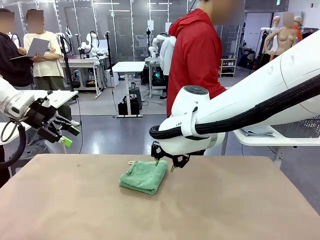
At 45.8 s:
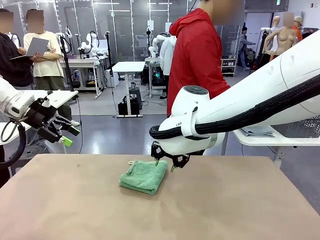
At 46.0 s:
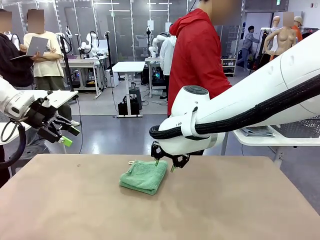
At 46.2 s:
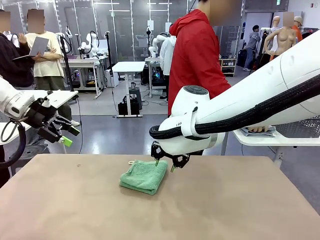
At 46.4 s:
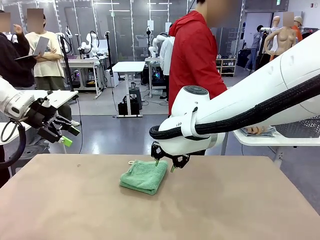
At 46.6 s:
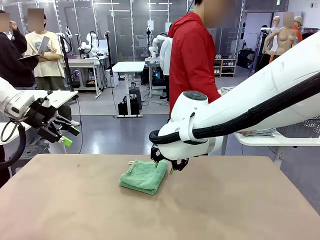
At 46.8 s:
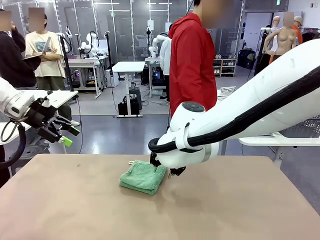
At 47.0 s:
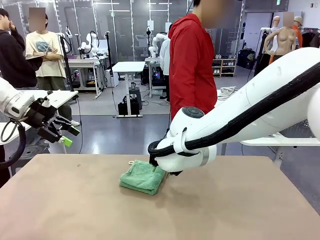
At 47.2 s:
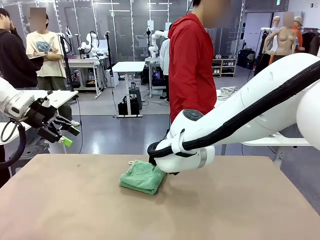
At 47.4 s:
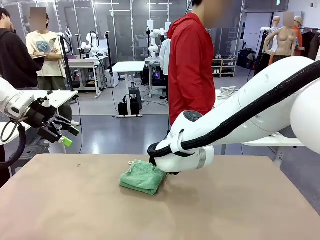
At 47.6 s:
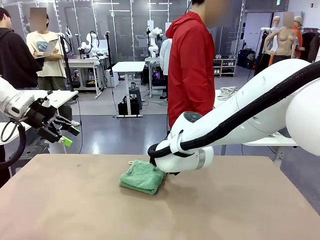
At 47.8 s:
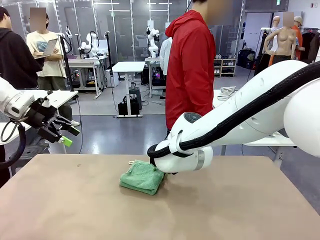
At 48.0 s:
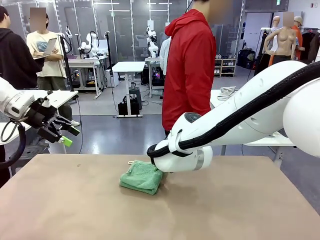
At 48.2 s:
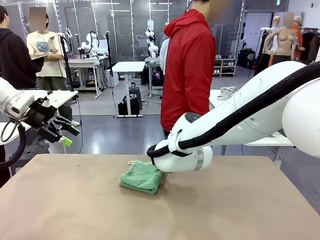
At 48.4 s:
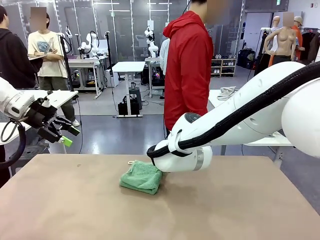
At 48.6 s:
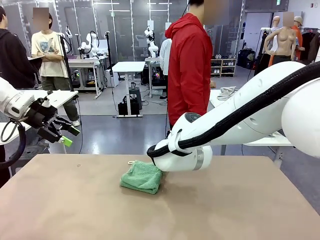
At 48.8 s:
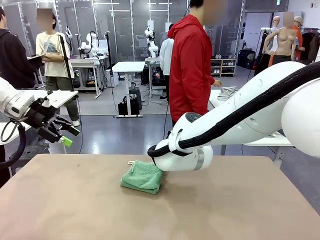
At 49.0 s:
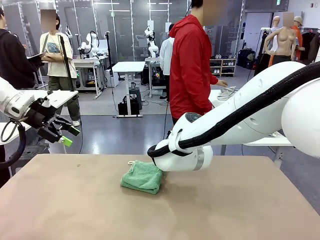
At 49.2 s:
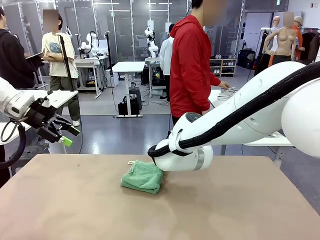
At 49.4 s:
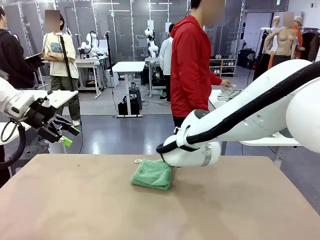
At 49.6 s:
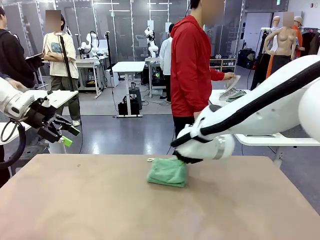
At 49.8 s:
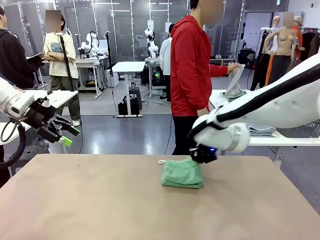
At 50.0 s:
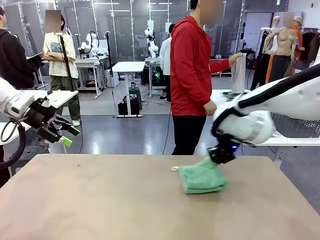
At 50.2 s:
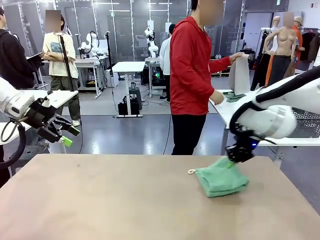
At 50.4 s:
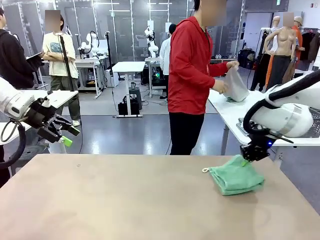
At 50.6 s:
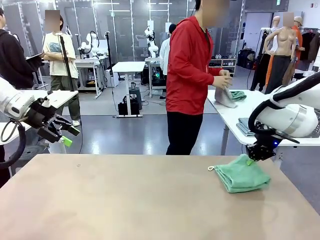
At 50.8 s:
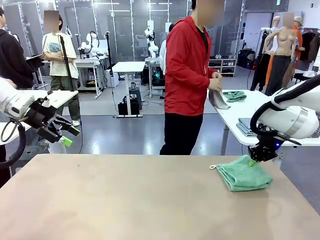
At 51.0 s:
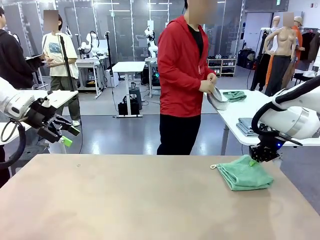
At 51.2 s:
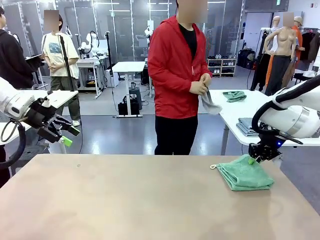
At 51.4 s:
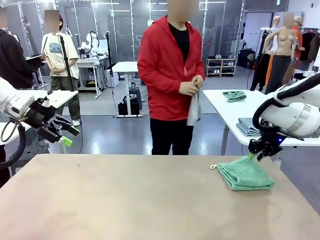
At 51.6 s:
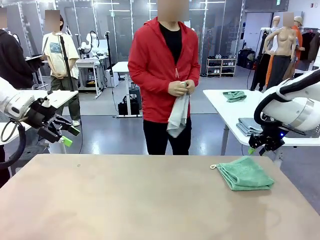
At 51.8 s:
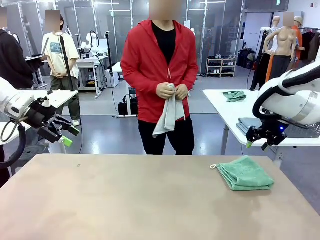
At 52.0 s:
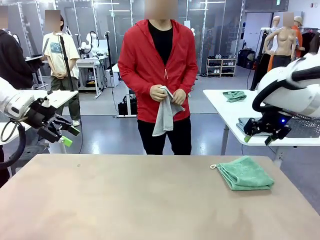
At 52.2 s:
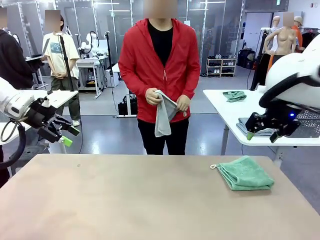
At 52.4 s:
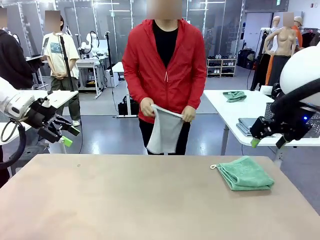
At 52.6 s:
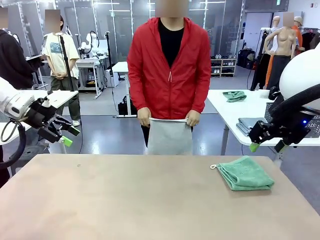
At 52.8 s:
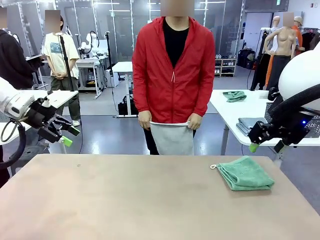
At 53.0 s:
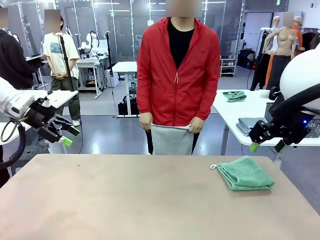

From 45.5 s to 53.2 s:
Task: Fold the towels and place them in the basket.
Robot: Place the folded Towel with hook on the right side of the table.
Person: Pick up one towel from the left side of the human table and spread it out at the center of the robot table.

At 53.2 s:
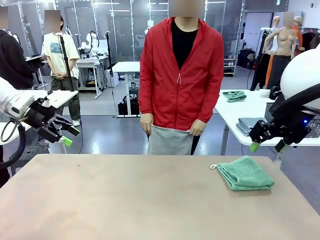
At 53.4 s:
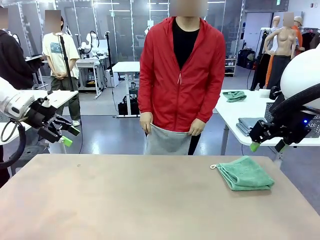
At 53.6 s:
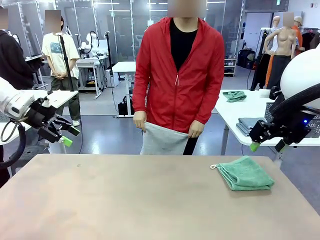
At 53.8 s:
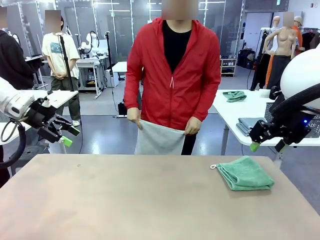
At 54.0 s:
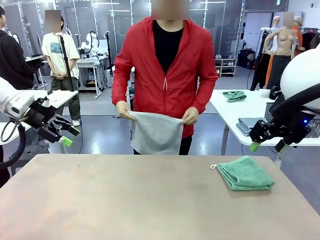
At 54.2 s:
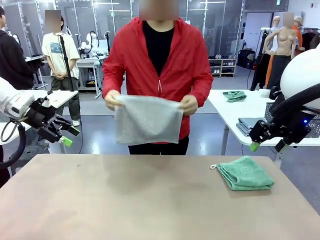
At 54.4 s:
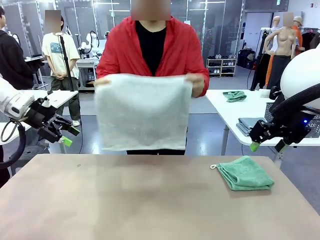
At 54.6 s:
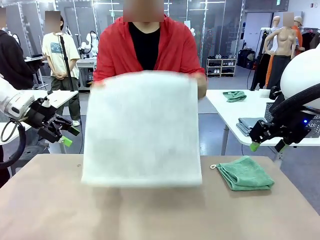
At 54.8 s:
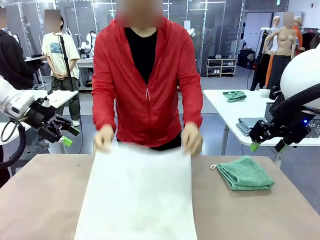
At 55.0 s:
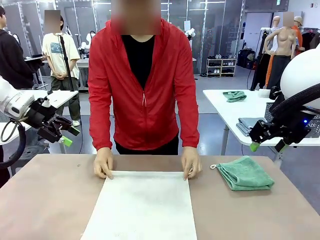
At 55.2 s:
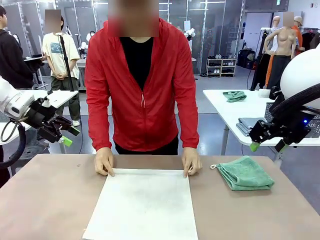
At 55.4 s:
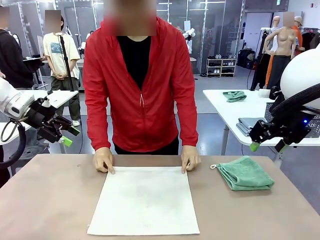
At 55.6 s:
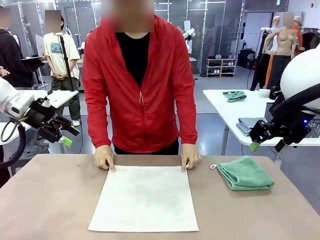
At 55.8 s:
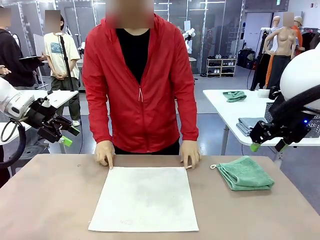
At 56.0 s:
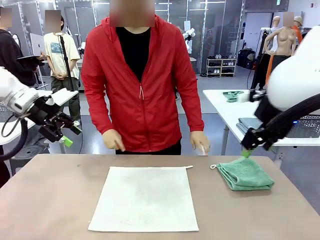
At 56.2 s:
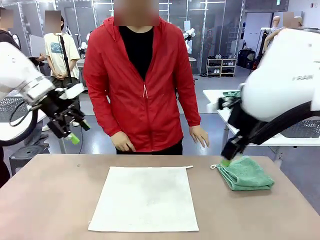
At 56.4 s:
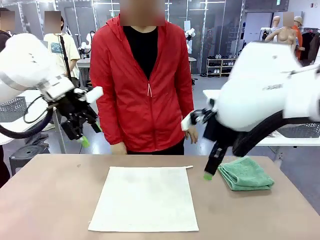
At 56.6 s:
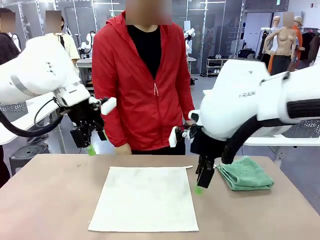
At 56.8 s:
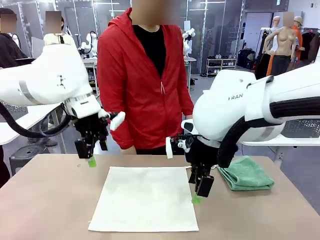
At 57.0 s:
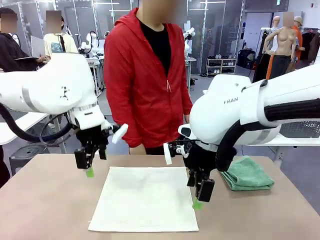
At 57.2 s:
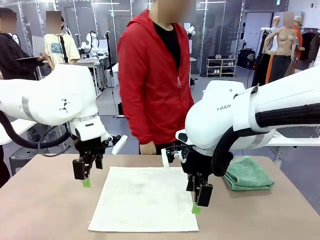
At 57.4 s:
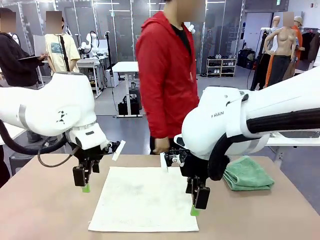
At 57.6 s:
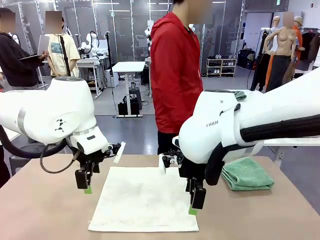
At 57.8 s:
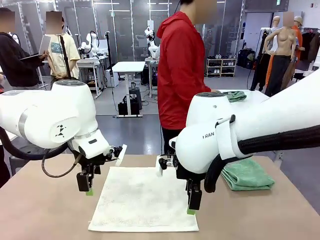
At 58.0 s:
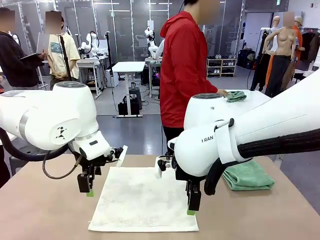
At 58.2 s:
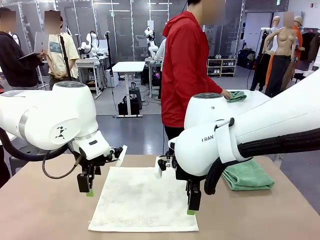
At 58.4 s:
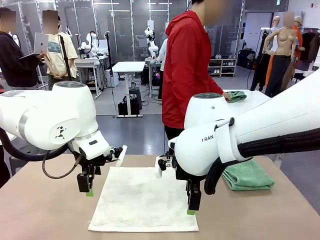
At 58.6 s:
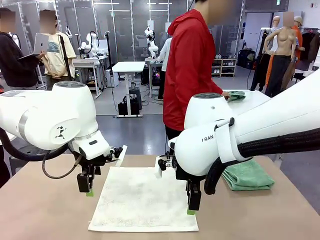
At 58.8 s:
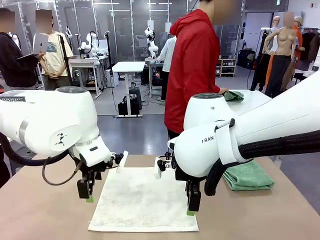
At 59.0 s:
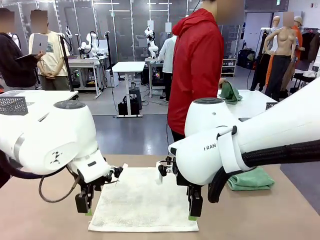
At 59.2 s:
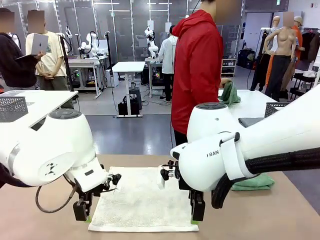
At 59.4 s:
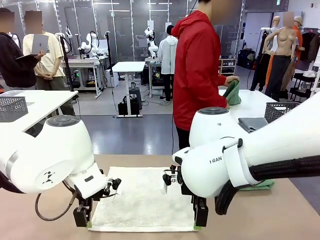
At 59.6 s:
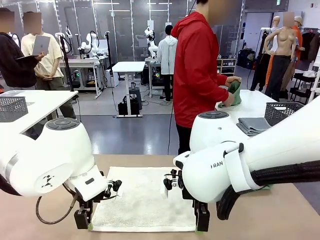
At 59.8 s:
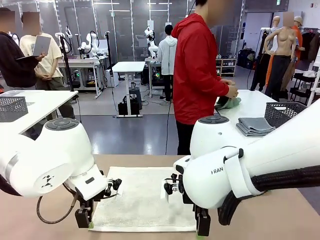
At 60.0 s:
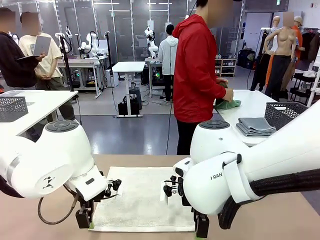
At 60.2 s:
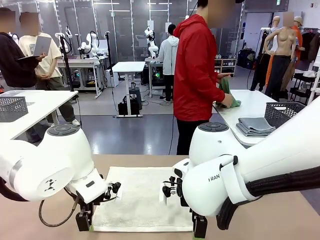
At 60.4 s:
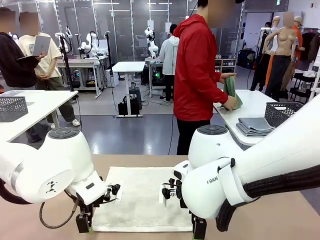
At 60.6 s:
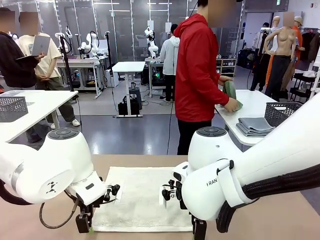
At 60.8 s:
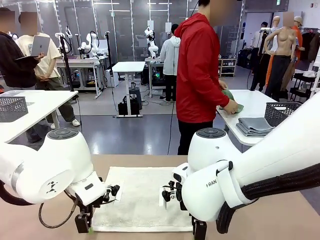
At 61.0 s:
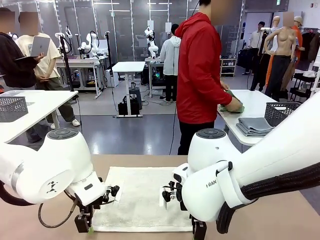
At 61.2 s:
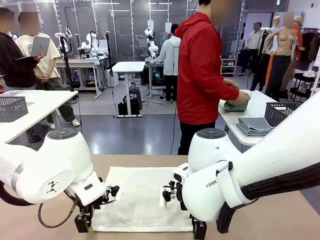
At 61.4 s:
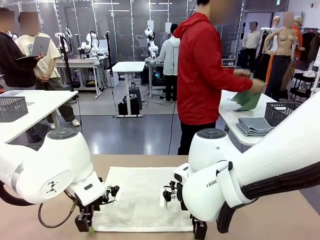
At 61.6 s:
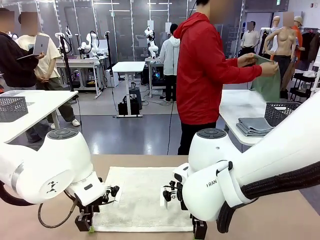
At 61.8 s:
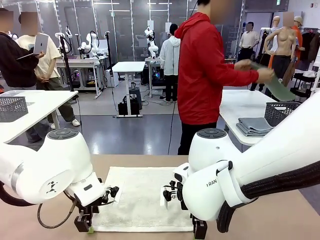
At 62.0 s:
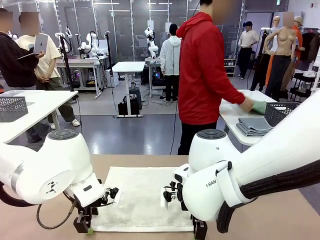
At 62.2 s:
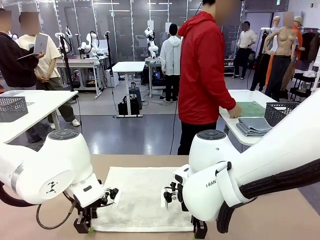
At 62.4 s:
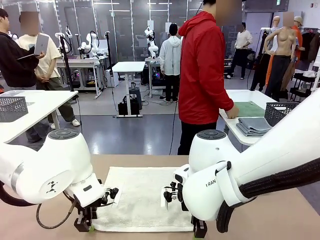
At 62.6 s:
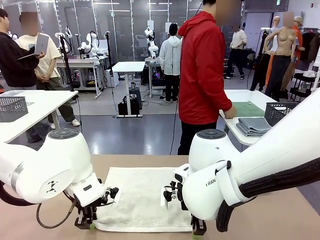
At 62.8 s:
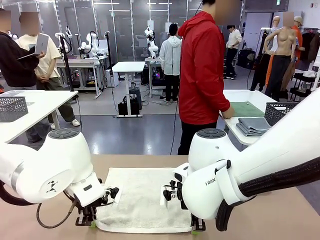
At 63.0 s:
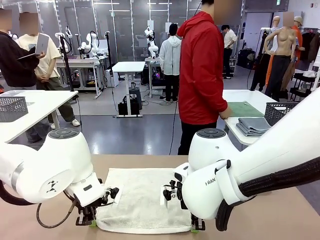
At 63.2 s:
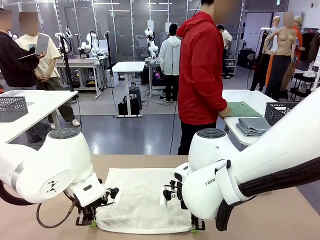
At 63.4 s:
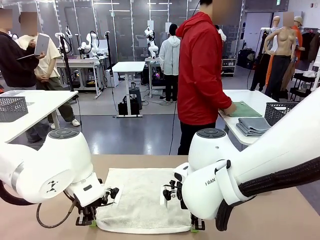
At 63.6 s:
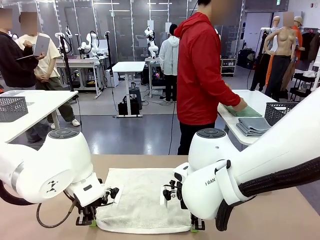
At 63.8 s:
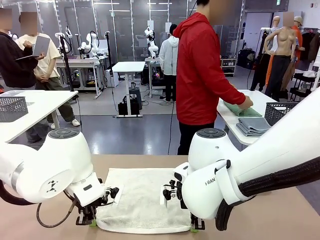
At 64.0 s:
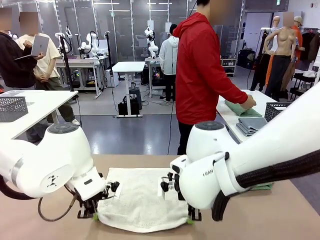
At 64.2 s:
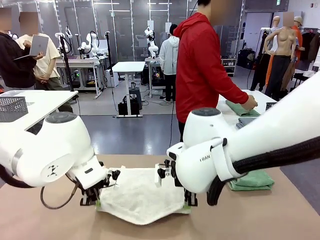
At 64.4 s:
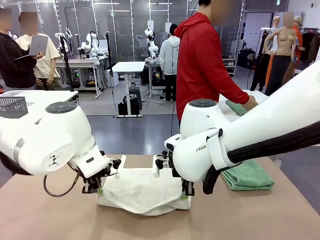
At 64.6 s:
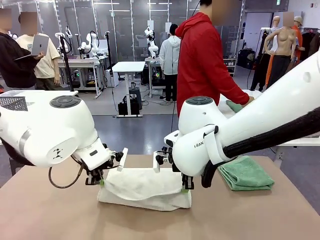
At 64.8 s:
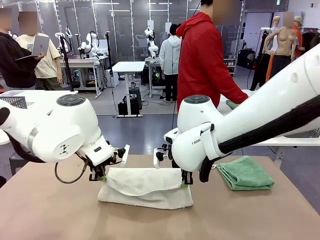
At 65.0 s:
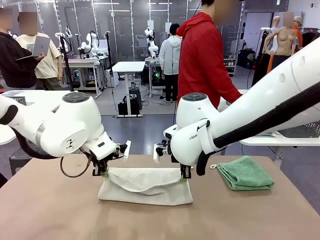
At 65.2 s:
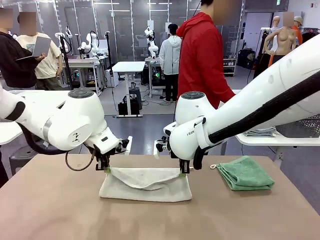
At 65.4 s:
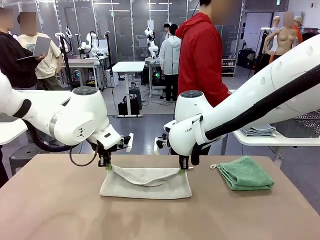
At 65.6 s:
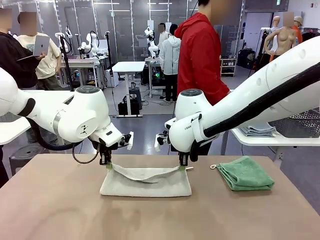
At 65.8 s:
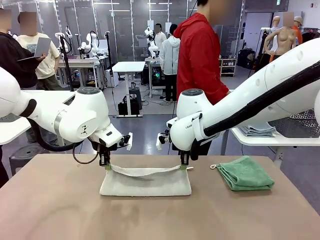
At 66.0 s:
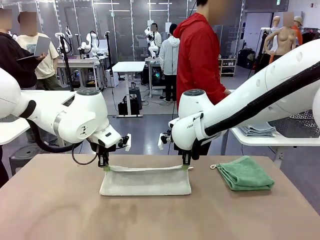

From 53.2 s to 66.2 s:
Robot: When a person lays out a Towel with hook on the table, fold it in half twice.
Person: Pick up one towel from the left side of the human table, fold it in half twice, and stack it on the right side of the table.
